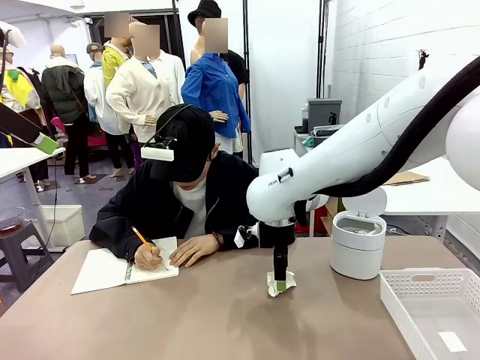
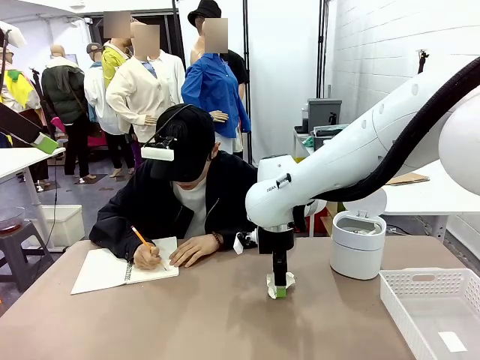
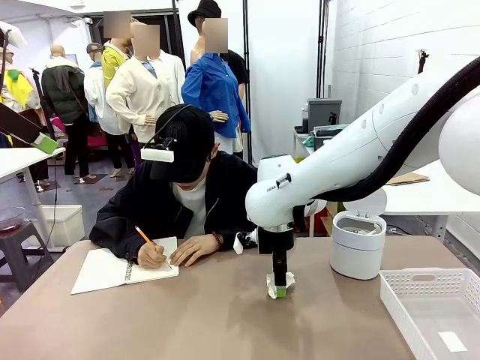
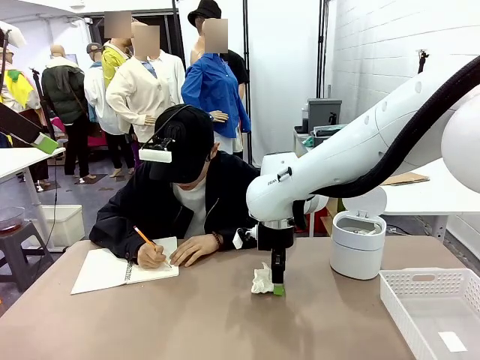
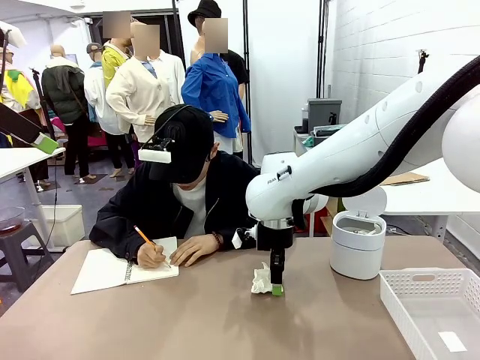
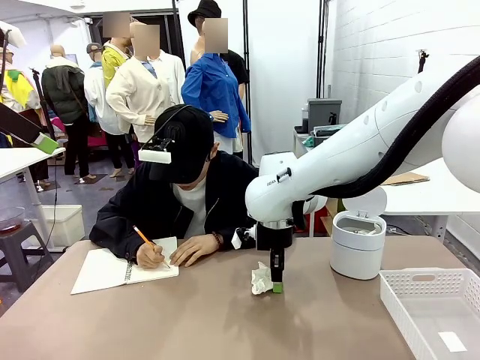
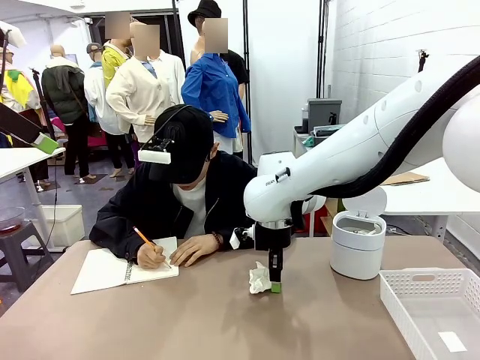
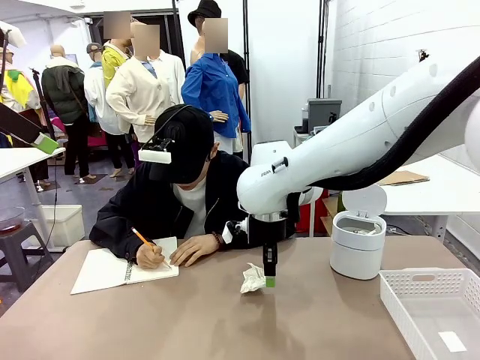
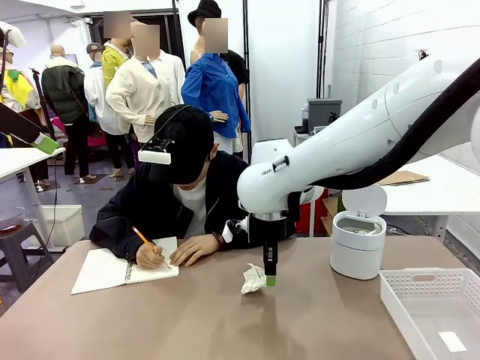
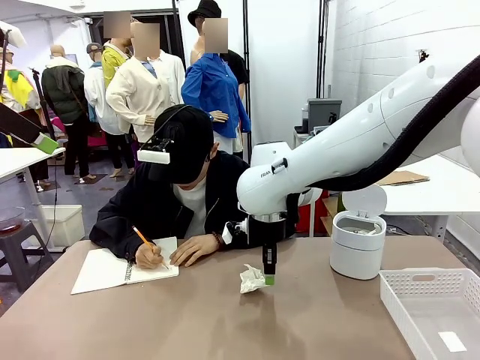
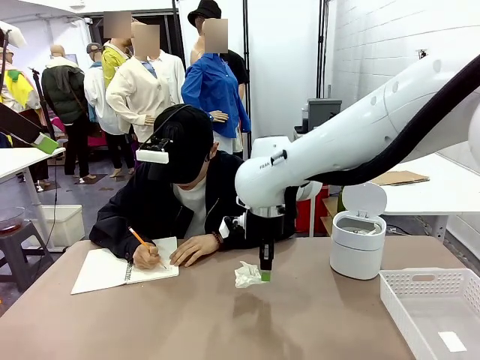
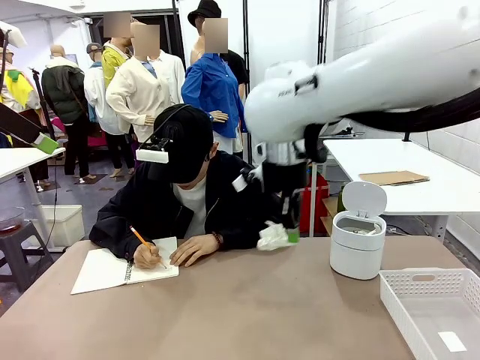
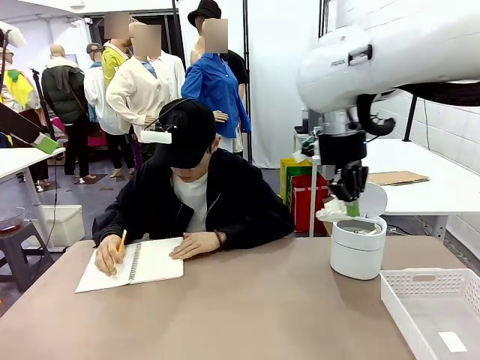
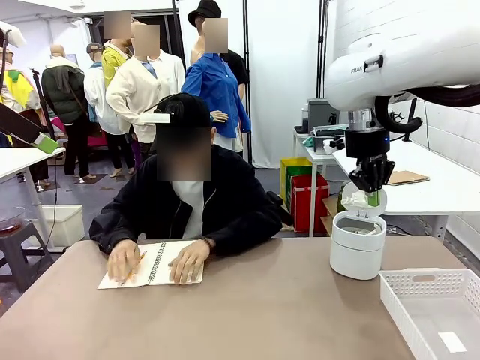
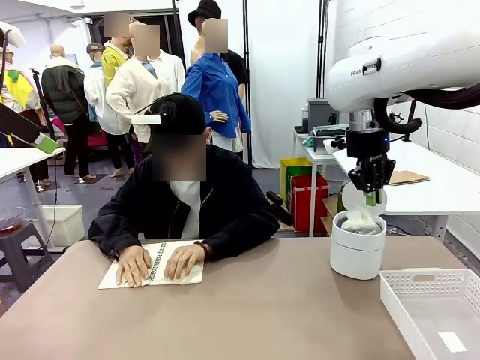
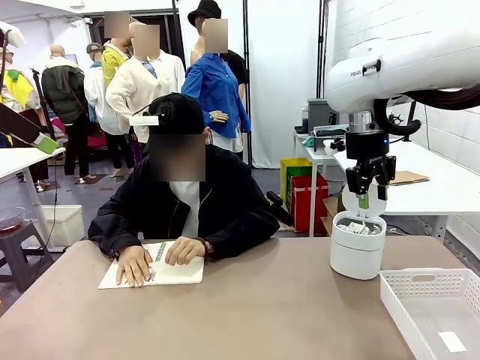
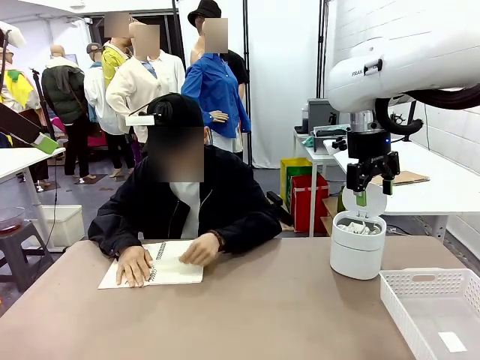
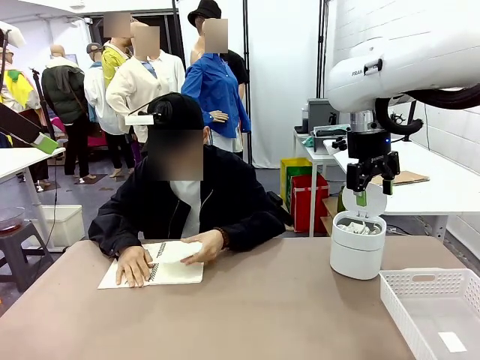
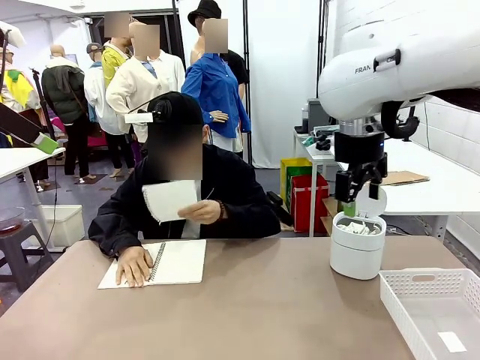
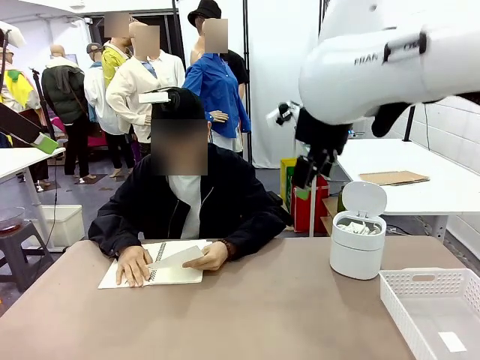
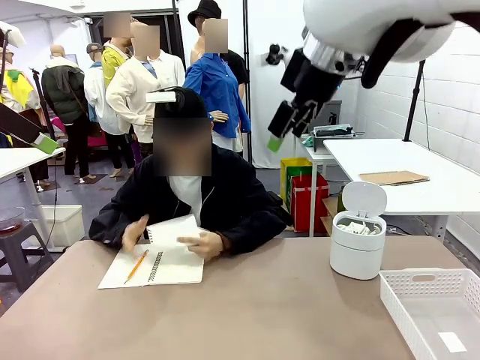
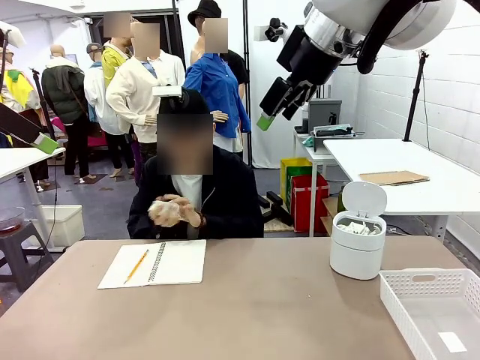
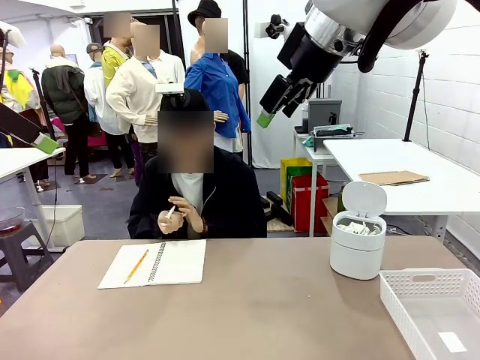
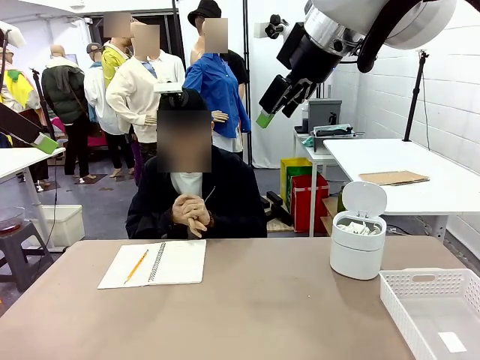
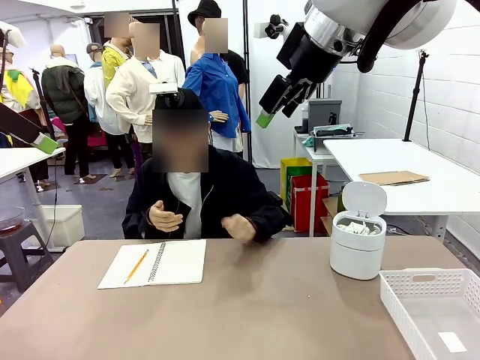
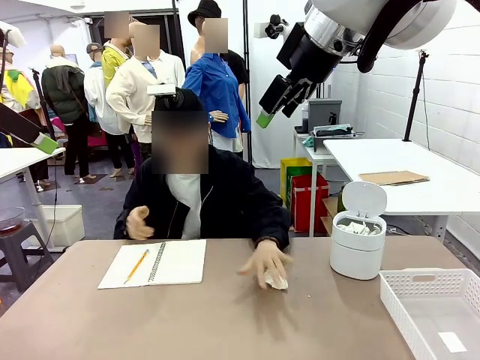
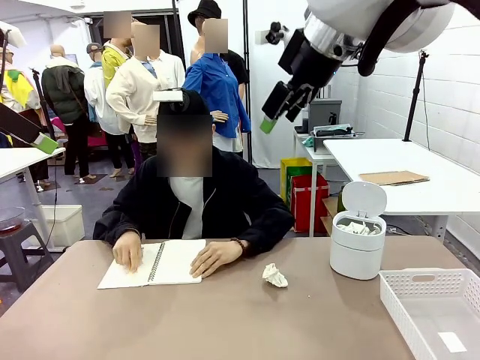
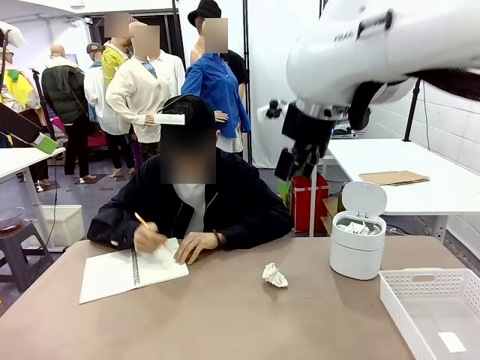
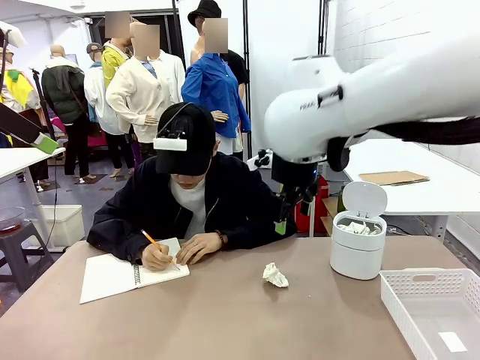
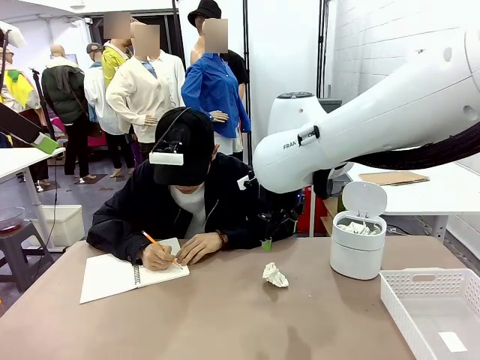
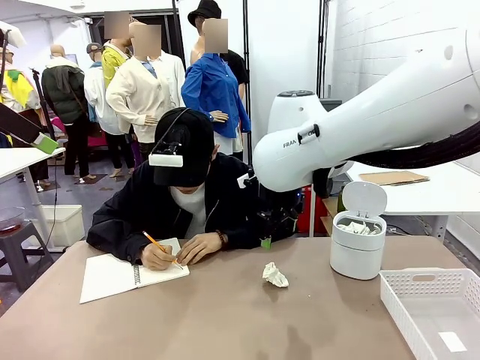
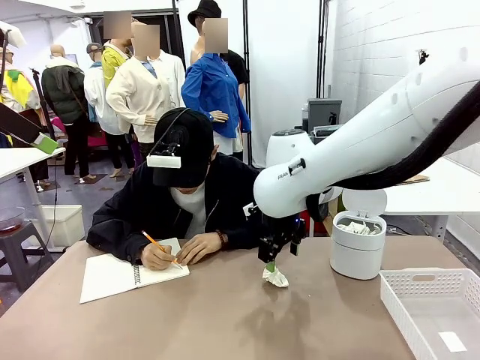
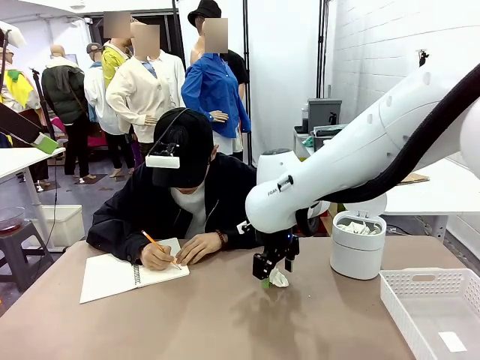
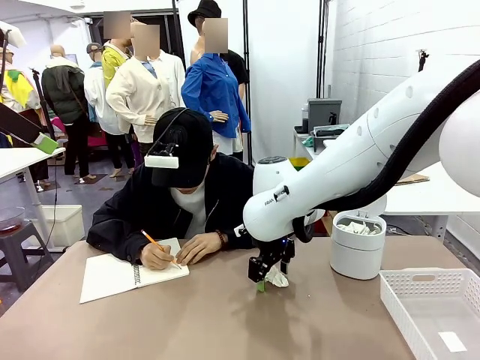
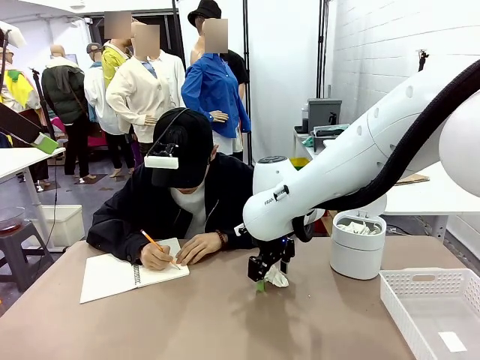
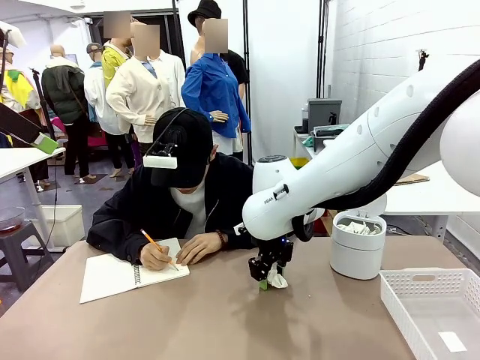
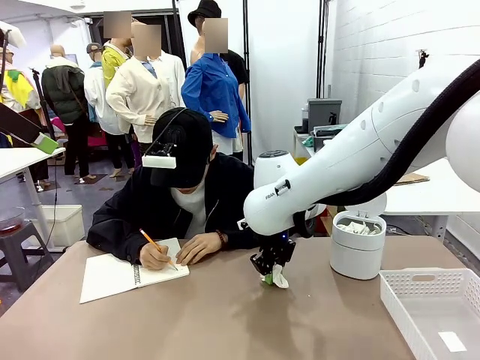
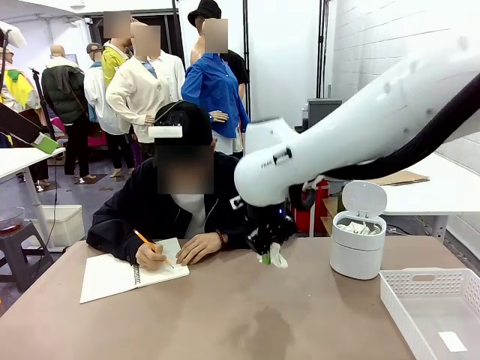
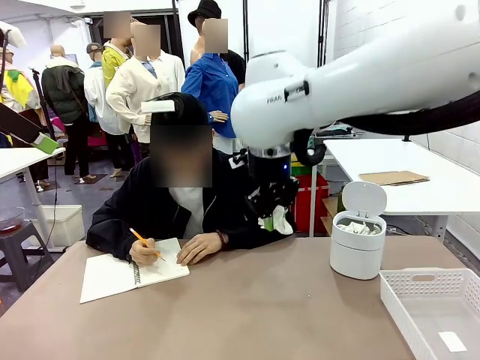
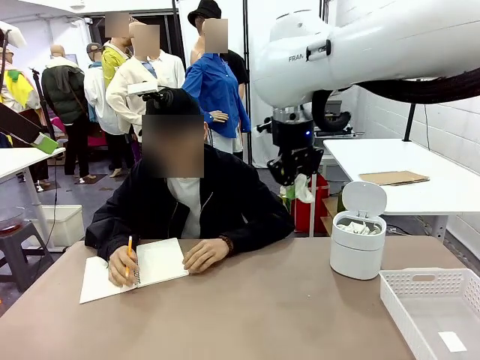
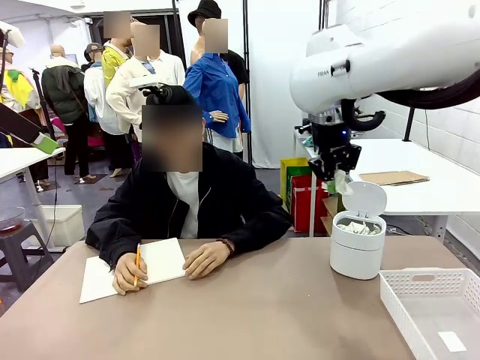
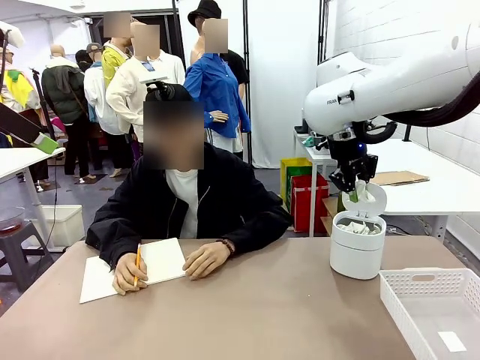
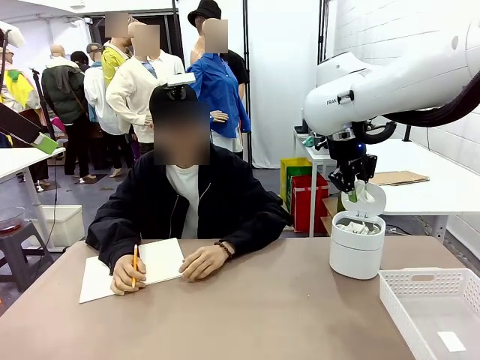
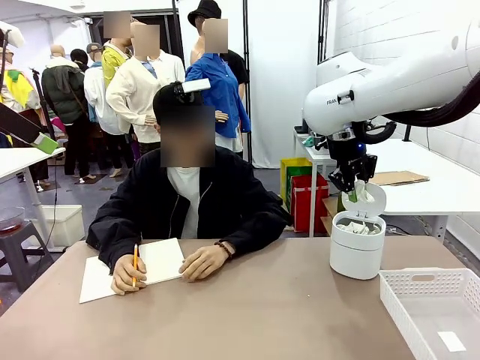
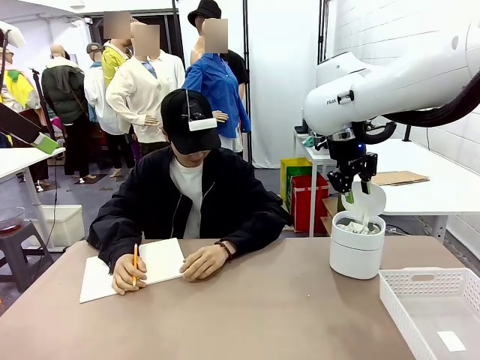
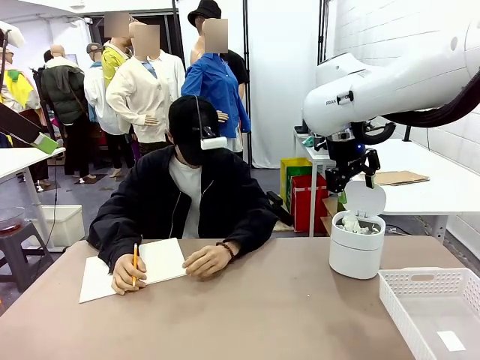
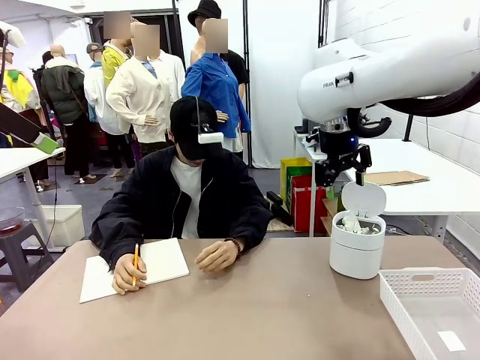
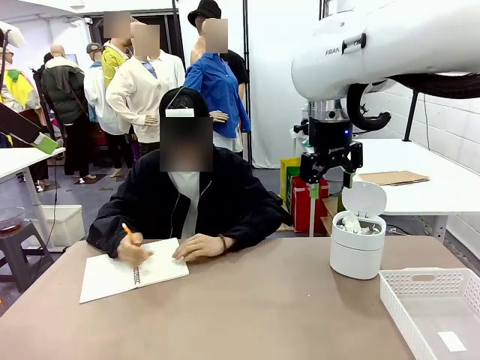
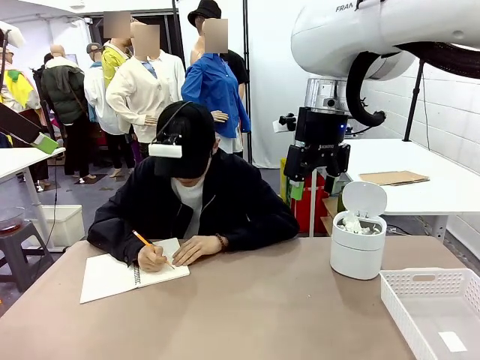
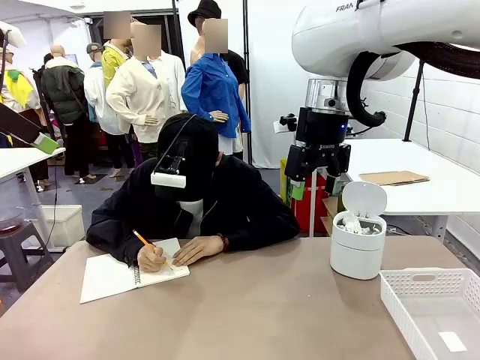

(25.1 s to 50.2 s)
Task: Sort the paper based on its condition.
Robot: If a person hands you a paper, place it in the Organizing basket , and if it's crumpled, put it in the Trash can.
Person: Tear out a page from the spiral notebook. Hand the torn page to the robot or crumple it and throw it to the center of the table.
